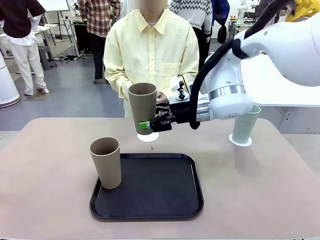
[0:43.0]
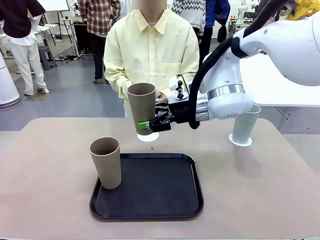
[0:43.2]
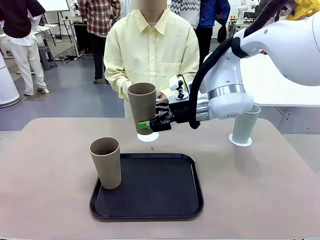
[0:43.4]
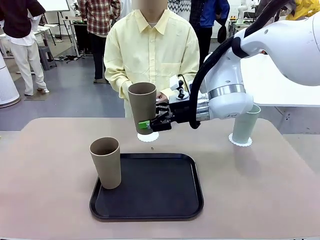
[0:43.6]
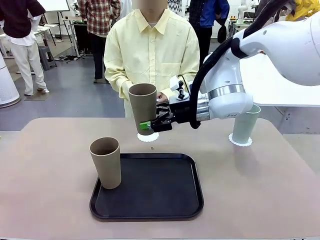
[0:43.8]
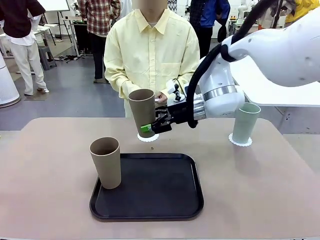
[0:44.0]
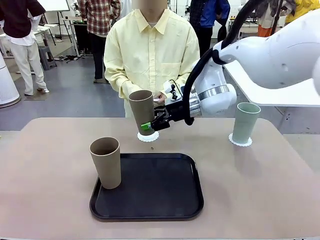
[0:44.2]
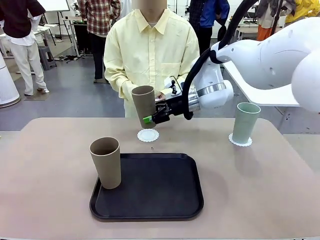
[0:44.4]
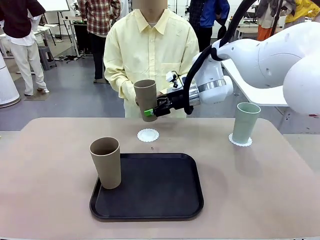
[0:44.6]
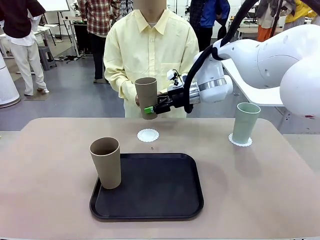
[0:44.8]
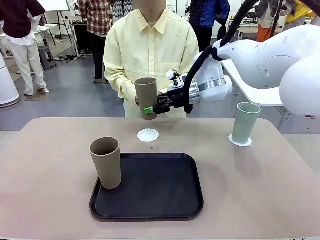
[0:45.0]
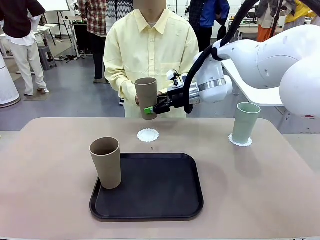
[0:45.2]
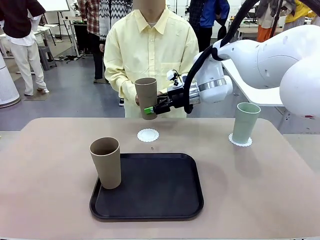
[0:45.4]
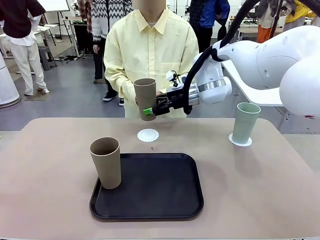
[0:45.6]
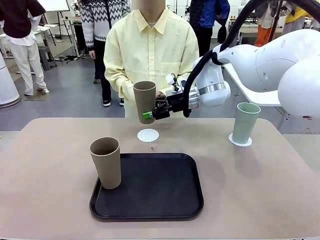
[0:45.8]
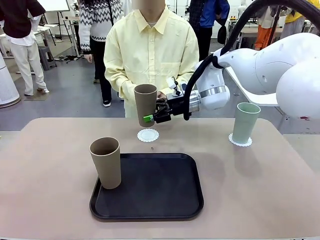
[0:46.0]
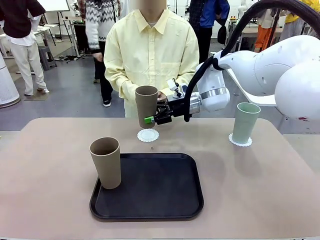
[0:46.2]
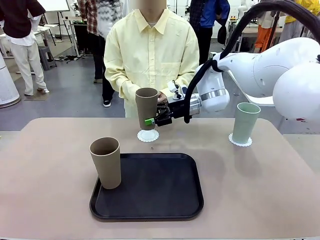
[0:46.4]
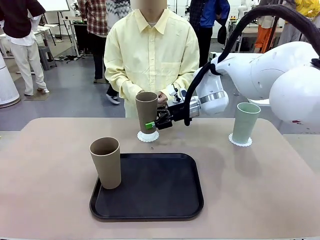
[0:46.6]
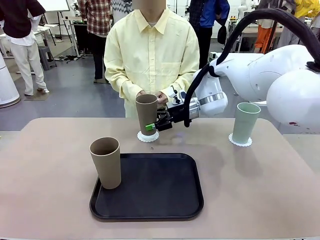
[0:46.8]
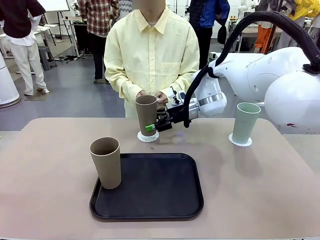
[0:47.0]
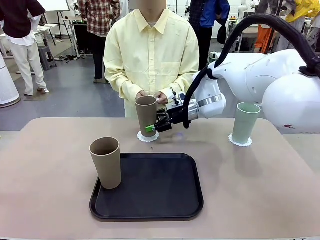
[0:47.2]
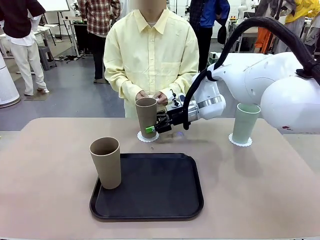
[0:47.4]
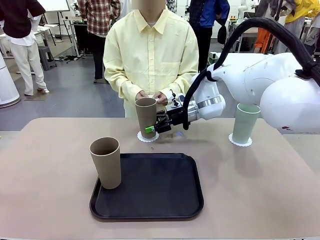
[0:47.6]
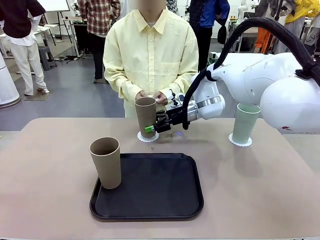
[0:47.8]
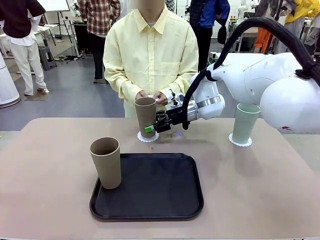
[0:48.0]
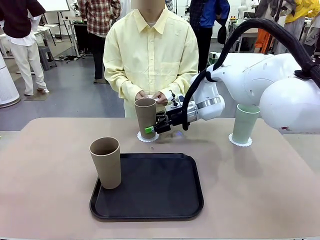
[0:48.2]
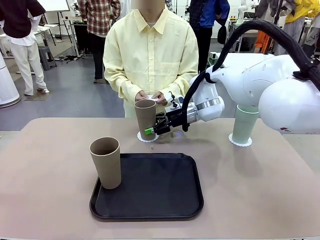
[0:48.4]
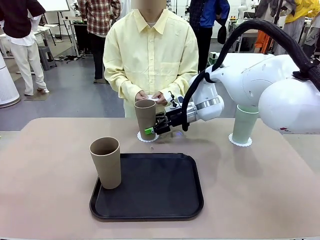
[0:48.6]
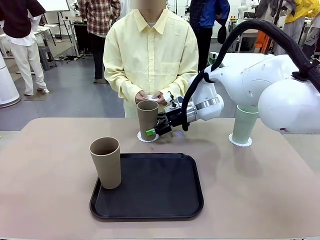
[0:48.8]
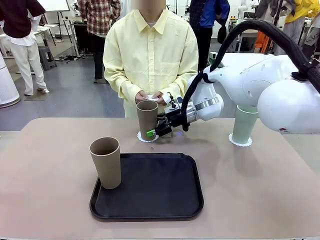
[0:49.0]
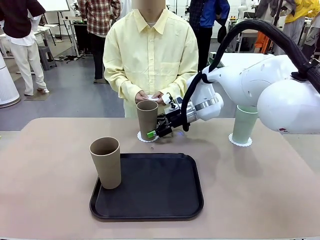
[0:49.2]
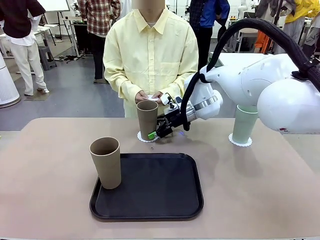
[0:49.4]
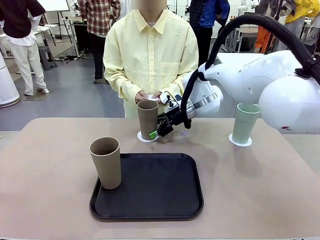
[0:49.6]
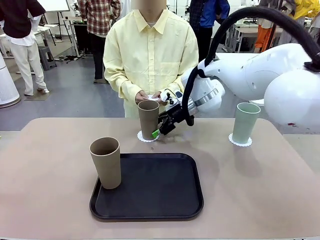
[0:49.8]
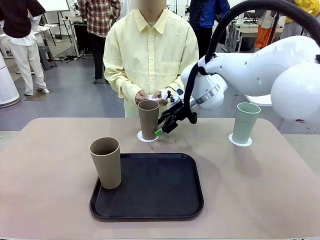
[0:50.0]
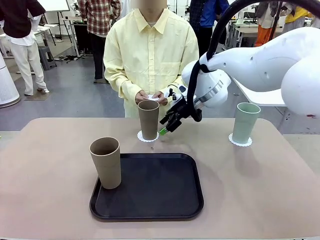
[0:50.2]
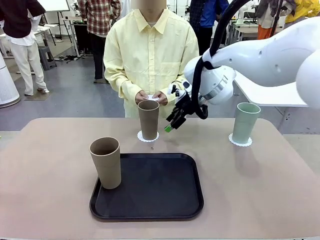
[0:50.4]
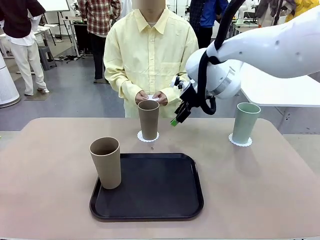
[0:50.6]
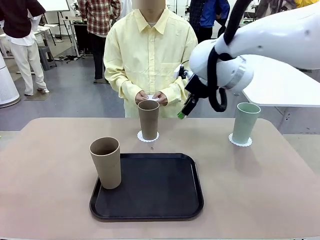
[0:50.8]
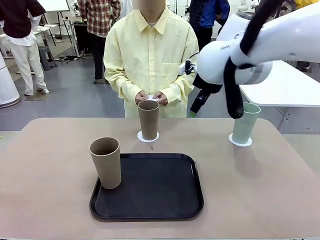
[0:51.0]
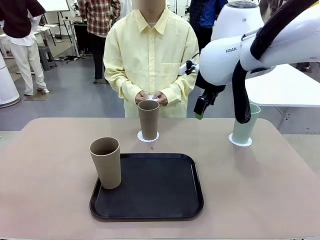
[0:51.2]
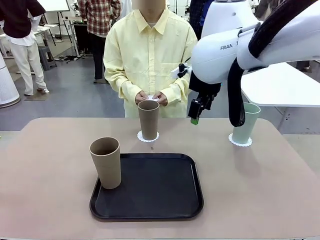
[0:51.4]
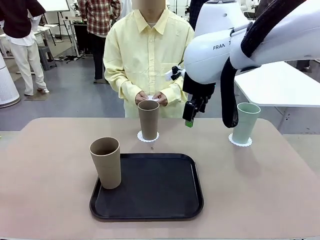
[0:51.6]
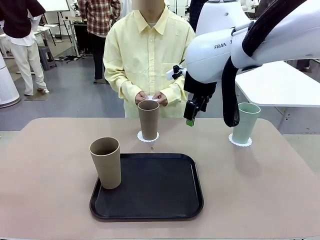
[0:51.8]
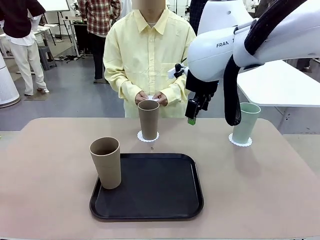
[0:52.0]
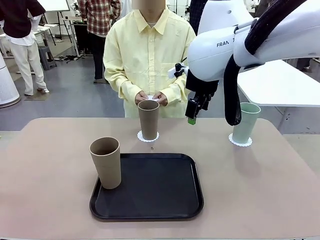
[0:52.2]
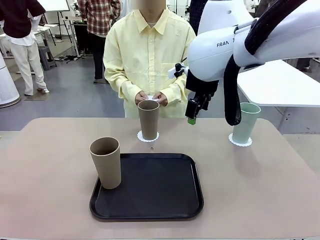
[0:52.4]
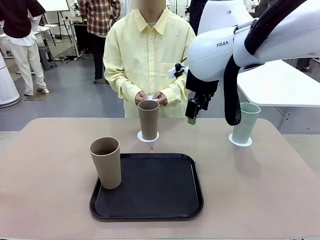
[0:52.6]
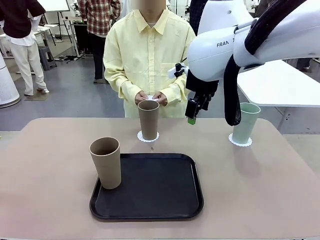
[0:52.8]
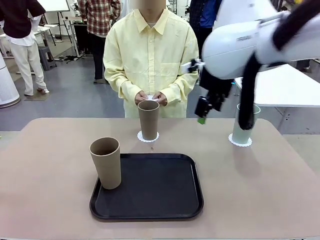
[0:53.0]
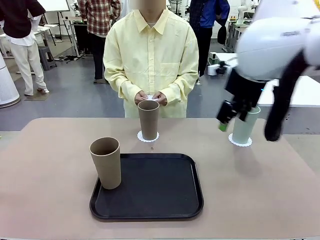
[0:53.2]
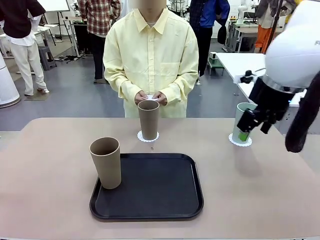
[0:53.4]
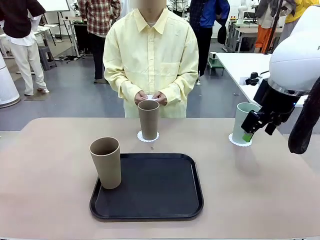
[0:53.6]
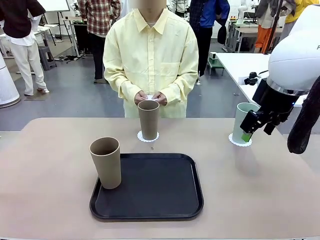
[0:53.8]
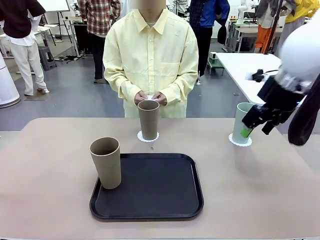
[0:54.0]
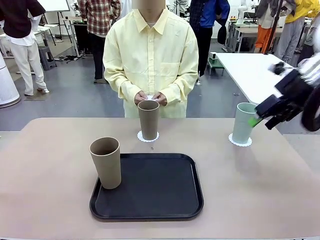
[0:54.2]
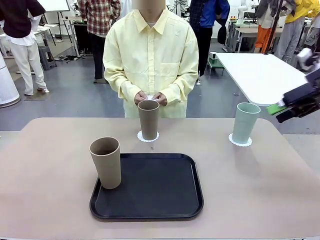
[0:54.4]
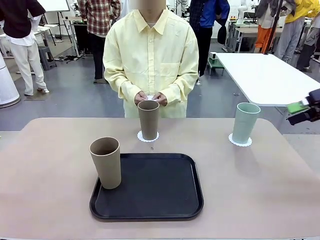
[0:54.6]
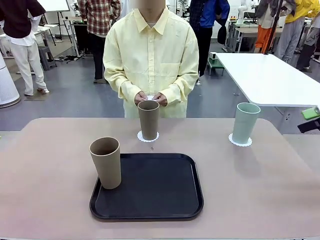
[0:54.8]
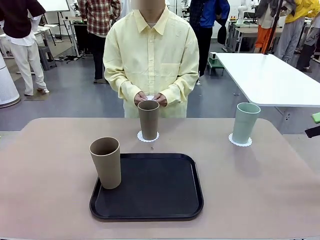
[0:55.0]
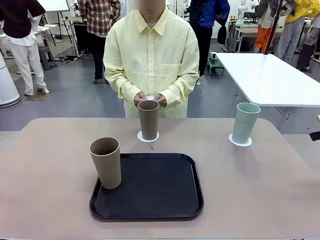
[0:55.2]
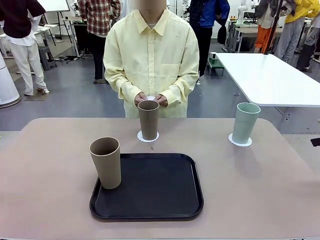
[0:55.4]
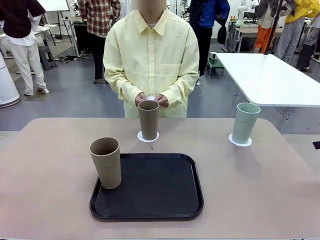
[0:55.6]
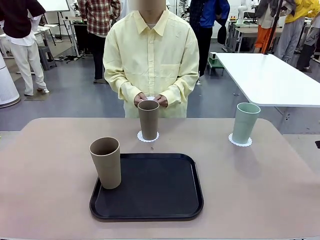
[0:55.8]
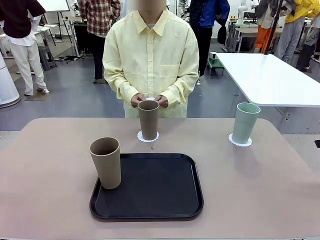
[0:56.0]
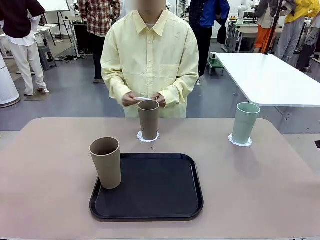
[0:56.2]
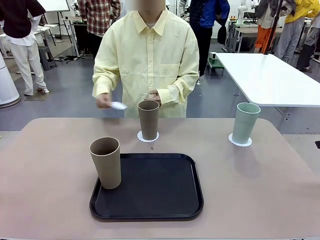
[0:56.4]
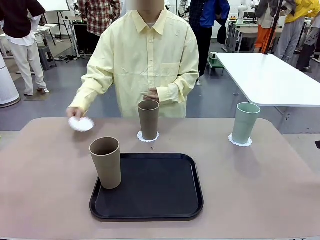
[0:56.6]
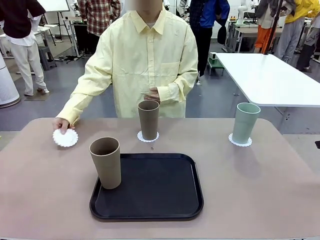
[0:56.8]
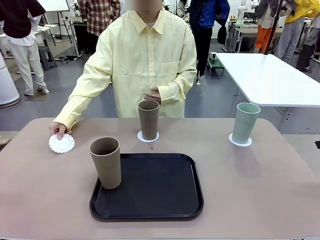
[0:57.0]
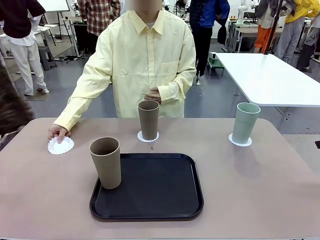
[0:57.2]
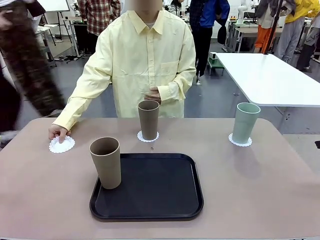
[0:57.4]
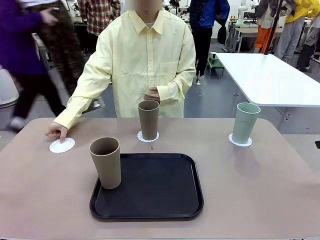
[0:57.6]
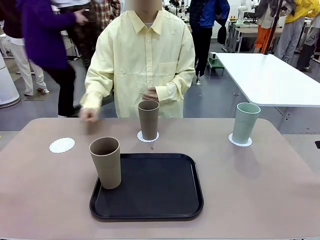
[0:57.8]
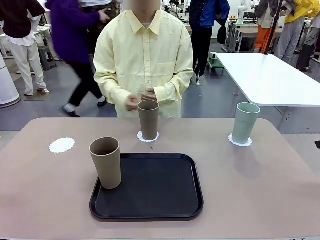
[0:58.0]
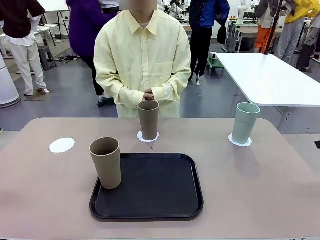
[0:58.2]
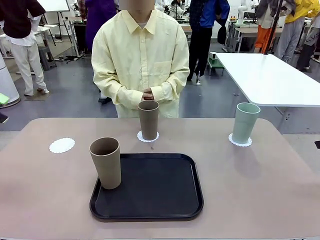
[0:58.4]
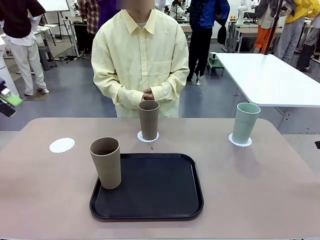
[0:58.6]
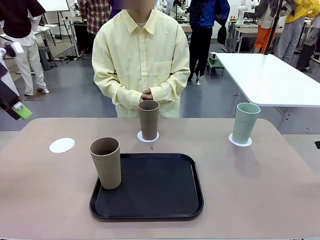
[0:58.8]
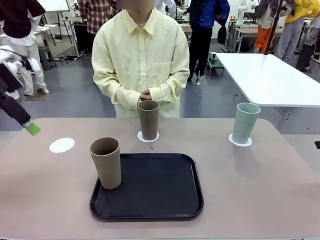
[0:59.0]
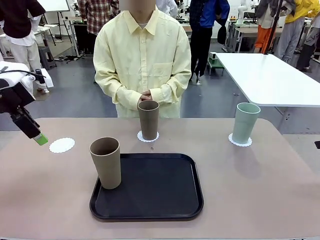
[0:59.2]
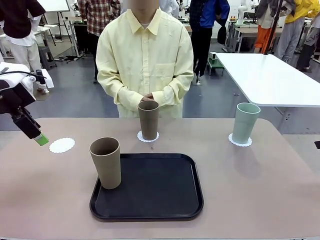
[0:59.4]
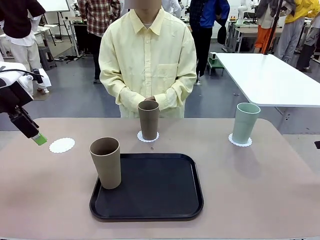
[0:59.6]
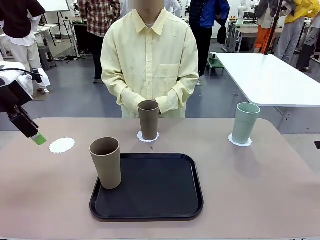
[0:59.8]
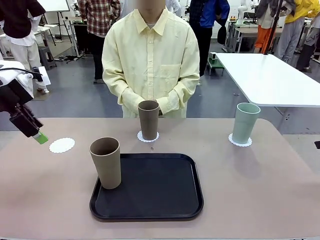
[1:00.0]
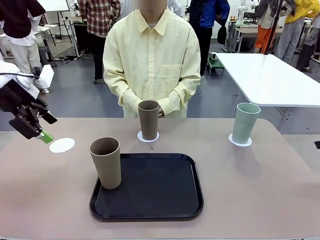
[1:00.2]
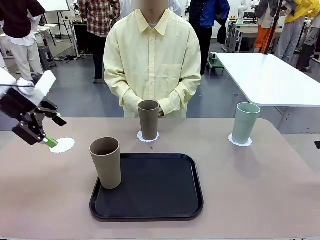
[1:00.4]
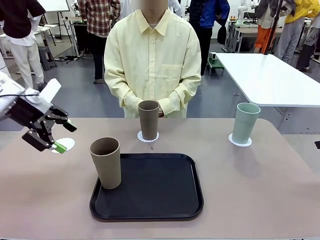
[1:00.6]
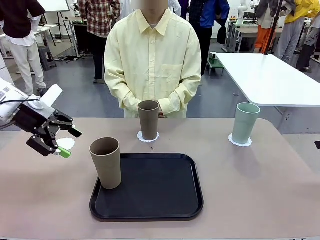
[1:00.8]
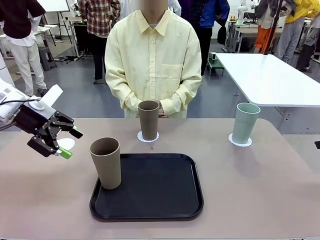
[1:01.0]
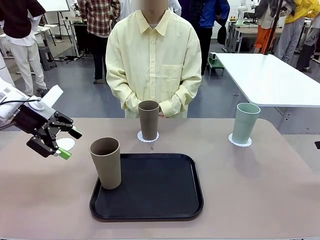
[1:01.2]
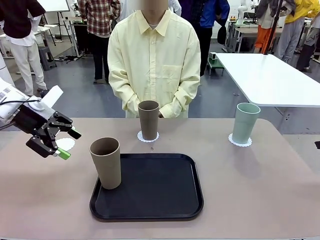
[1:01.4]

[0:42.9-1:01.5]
Task: Place coasters on the table and set cups on them.
Robot: Take one Reusable plastic cup from the Flat Tray and place it on a coaster set by the human.
